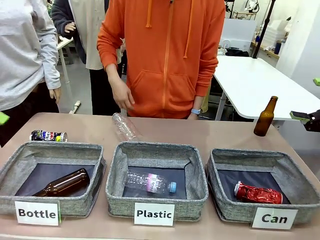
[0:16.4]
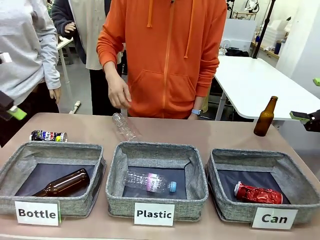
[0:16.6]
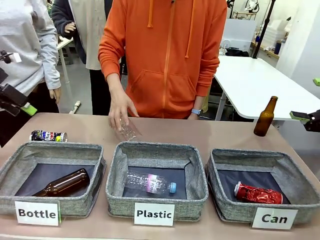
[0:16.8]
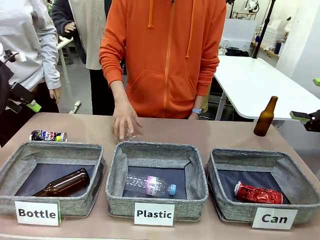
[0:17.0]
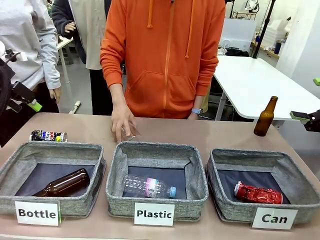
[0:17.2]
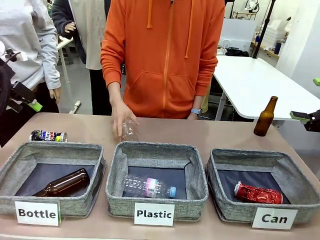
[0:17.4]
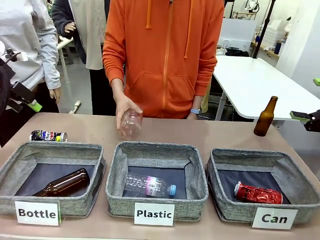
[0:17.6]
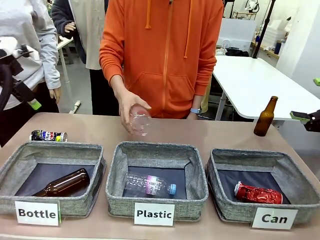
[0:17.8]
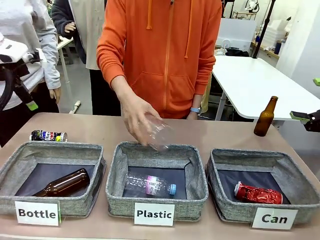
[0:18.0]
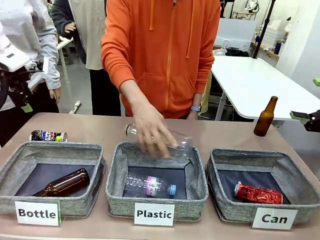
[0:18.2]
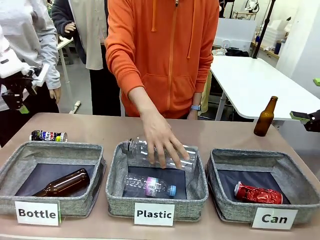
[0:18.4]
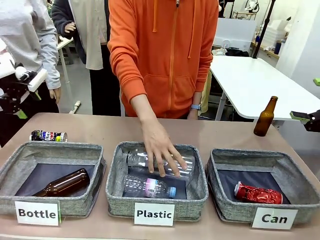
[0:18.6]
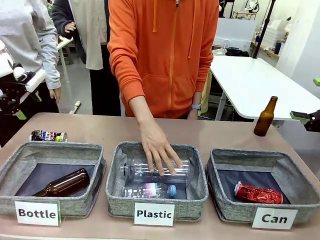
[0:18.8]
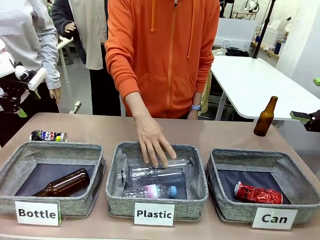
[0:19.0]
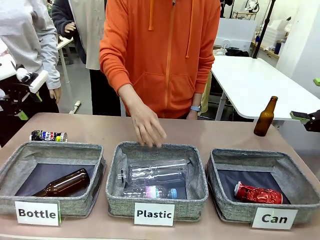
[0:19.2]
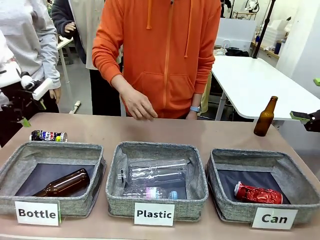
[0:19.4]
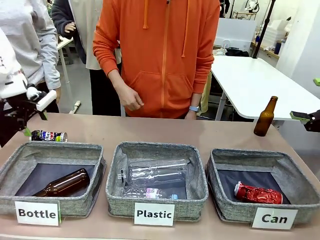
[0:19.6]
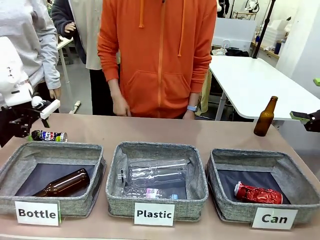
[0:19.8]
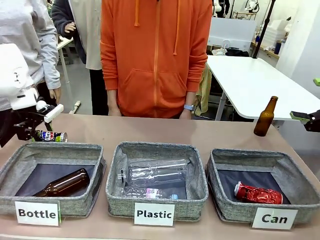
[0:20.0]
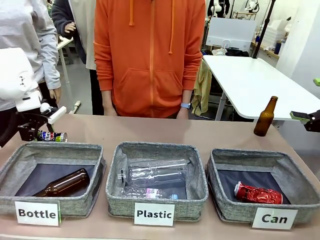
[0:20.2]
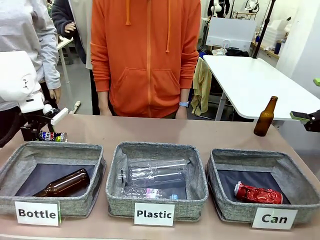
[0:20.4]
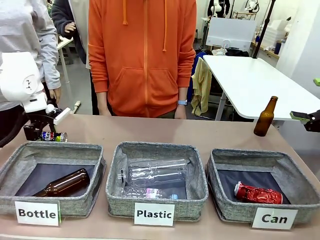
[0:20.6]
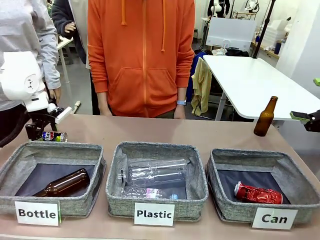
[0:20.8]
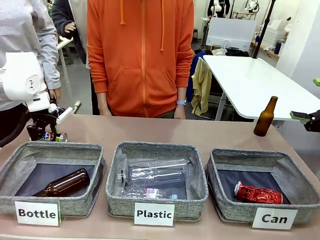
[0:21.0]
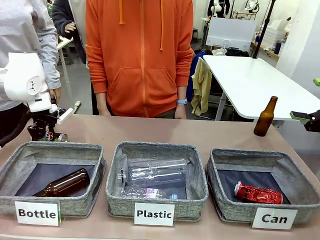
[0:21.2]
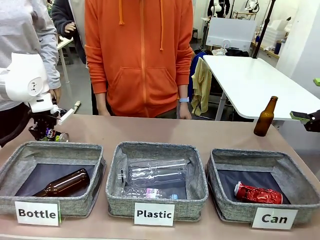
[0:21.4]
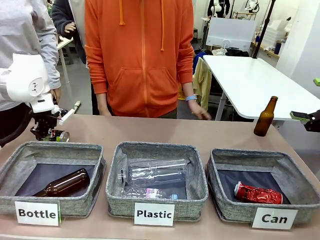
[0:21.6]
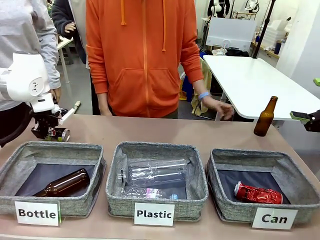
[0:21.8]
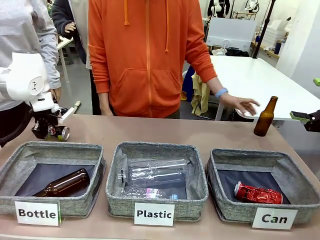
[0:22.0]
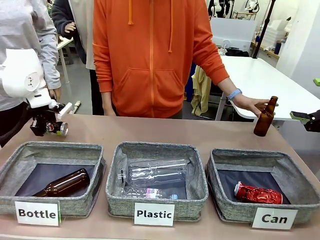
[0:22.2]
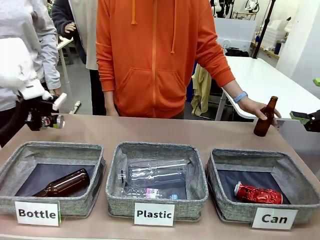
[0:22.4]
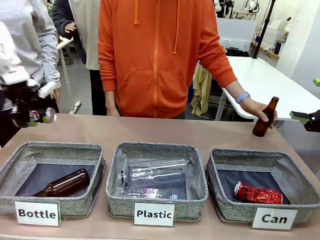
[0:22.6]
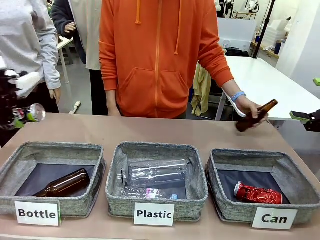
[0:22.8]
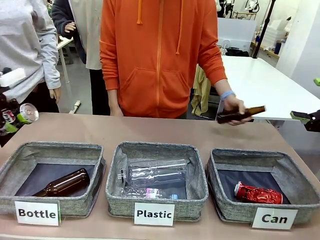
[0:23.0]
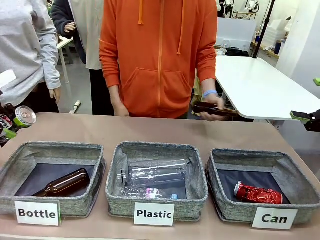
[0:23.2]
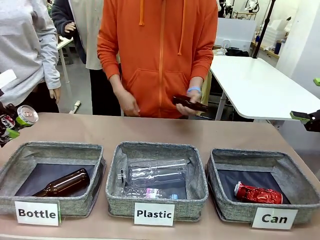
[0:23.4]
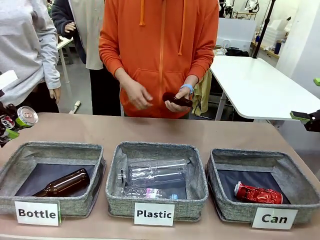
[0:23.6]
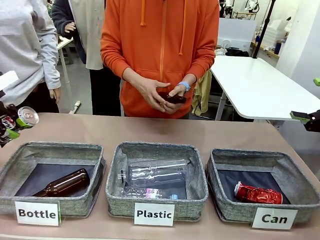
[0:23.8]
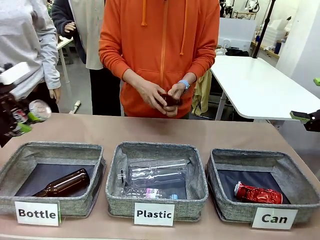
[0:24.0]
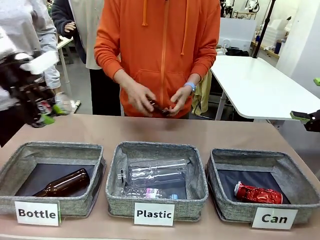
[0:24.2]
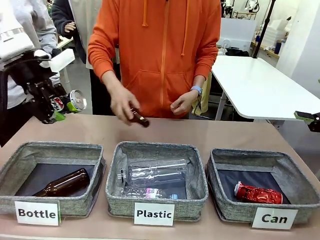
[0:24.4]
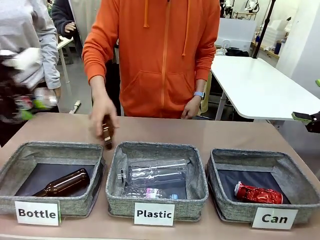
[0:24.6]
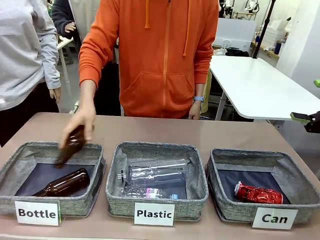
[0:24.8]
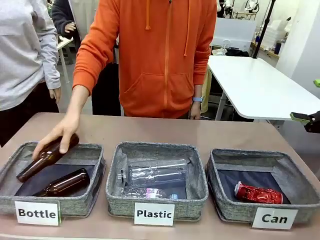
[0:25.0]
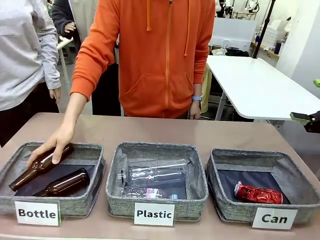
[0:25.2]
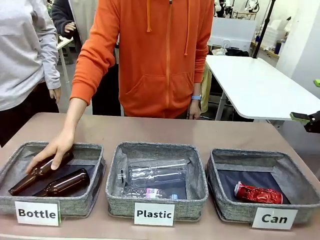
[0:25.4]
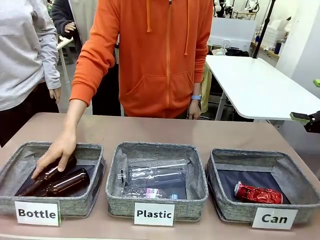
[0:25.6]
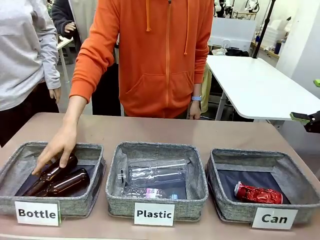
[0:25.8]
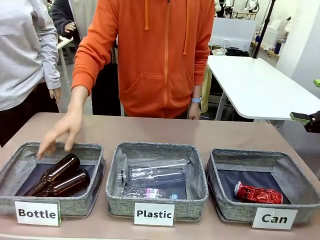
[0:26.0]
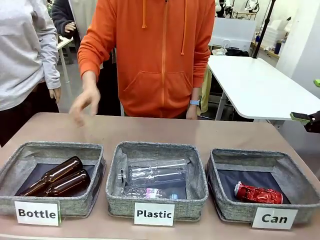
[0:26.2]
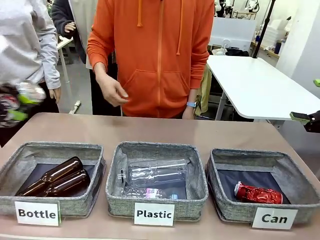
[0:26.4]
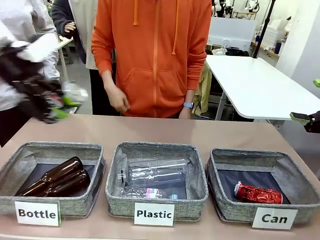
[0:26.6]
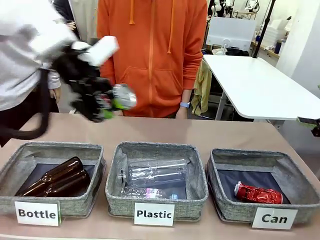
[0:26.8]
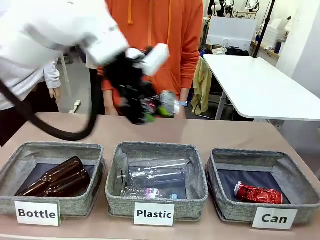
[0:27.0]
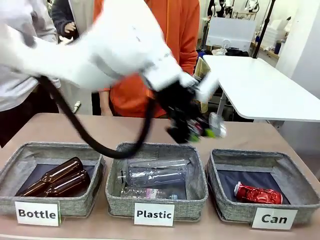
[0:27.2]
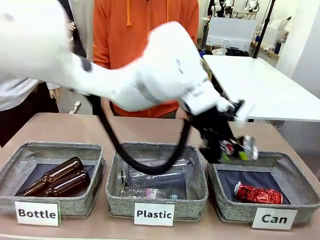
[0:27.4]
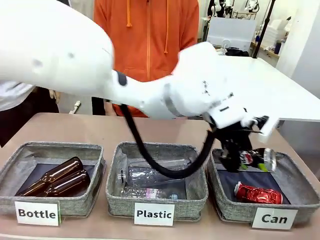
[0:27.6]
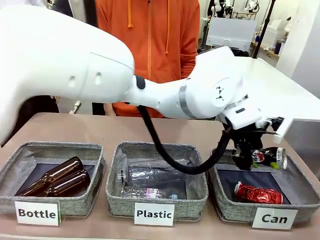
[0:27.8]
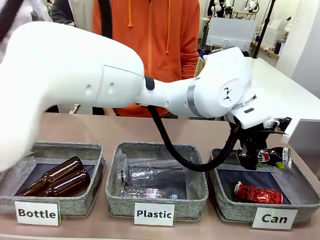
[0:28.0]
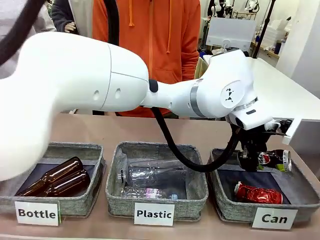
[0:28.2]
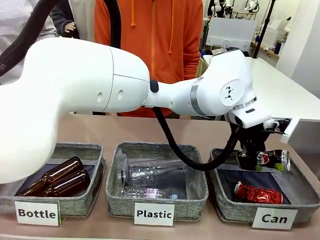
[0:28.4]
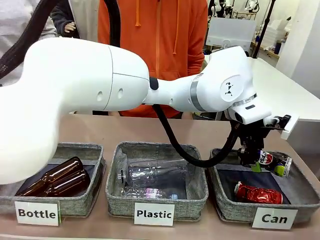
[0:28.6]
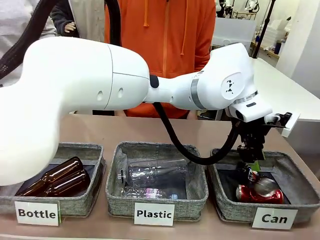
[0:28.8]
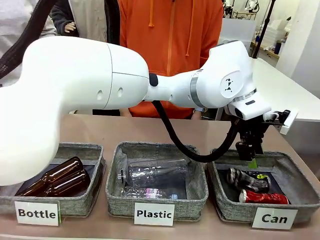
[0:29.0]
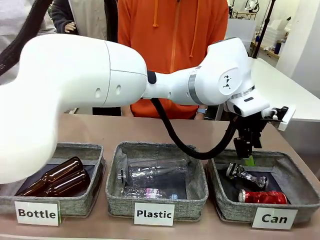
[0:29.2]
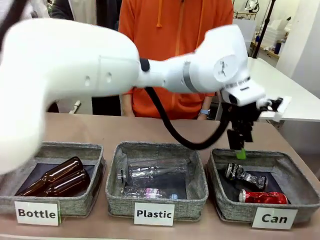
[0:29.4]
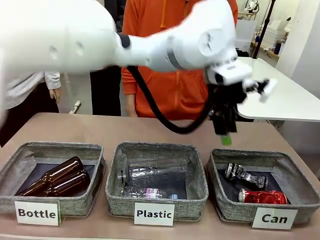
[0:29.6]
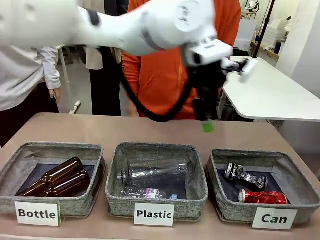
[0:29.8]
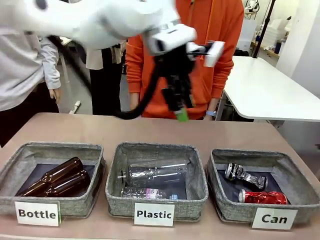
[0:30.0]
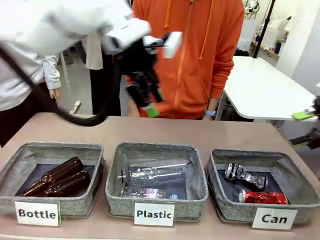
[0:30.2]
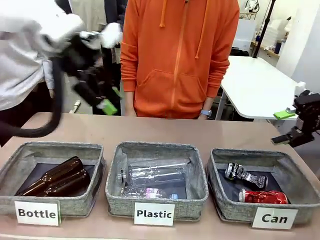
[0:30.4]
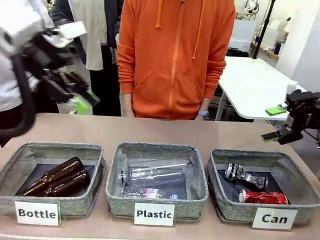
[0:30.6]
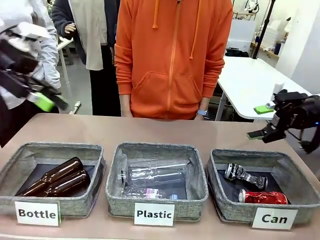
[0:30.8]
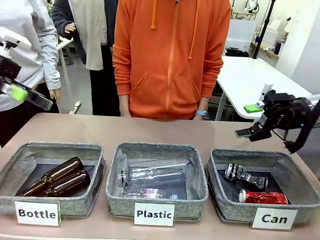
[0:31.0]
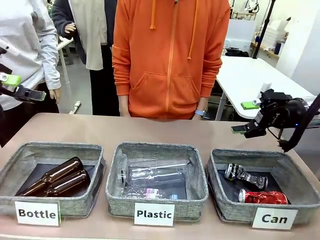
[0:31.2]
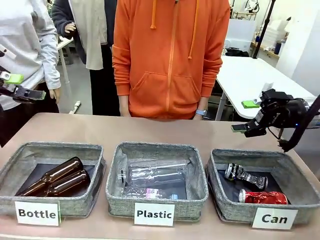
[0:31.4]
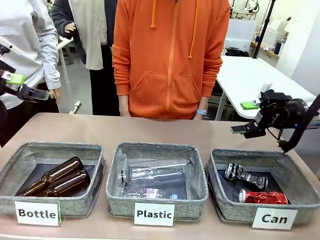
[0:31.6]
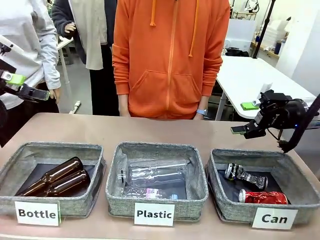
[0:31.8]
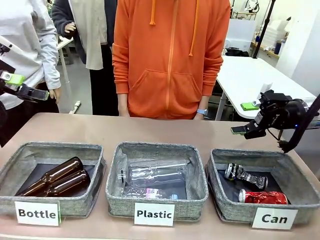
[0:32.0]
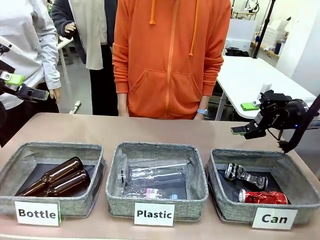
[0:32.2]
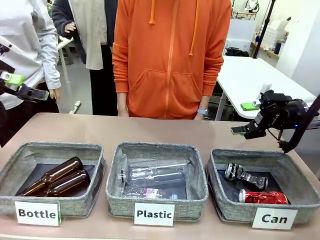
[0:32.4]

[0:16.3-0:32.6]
Task: Sort the can waste into the basket.
Robot: Pick up the can waste from the table and place it in the right Fabric basket.
